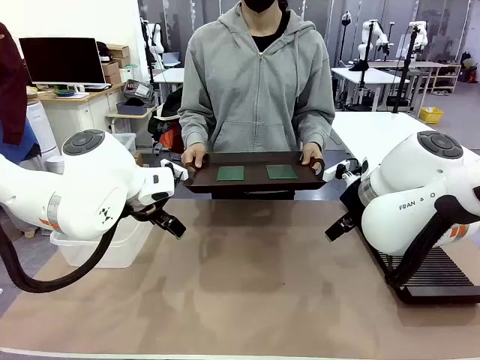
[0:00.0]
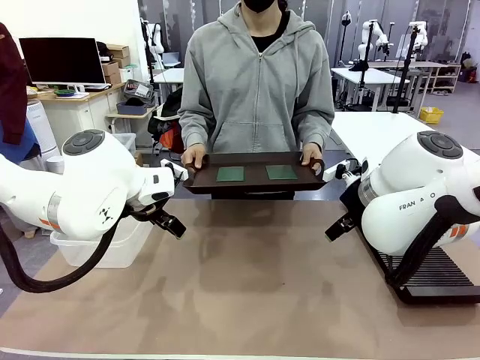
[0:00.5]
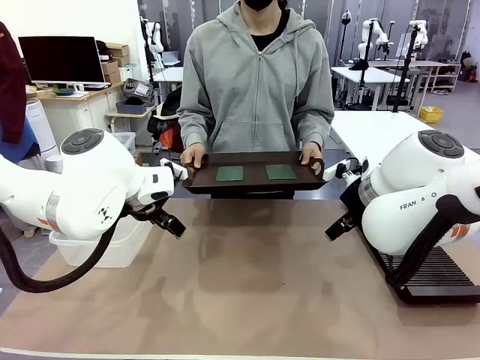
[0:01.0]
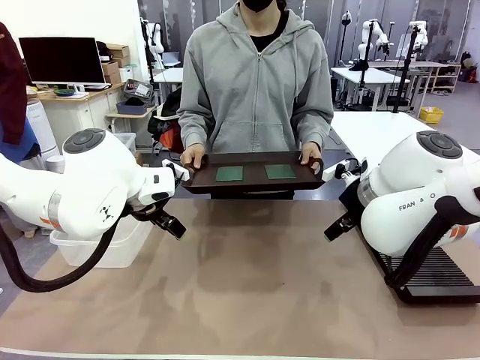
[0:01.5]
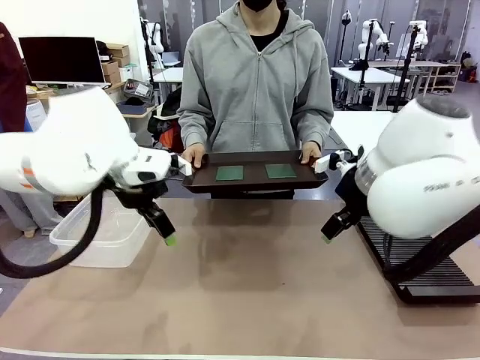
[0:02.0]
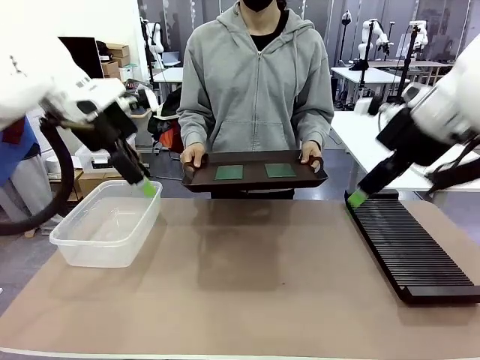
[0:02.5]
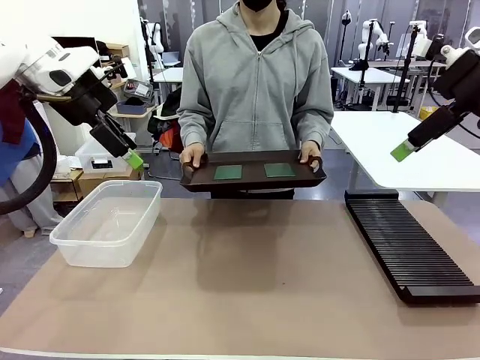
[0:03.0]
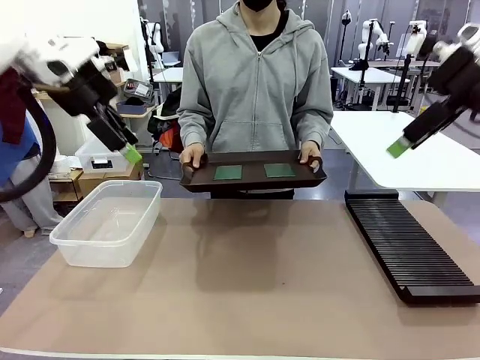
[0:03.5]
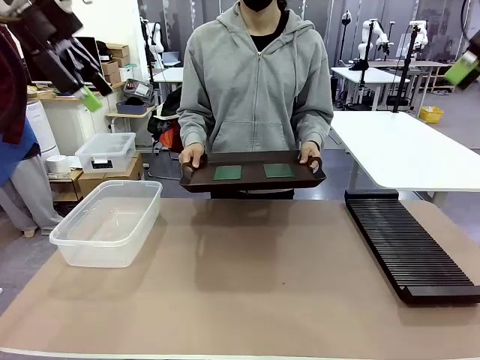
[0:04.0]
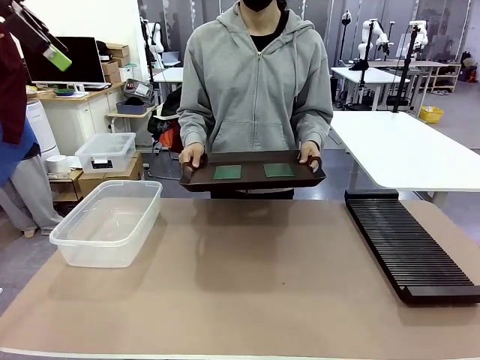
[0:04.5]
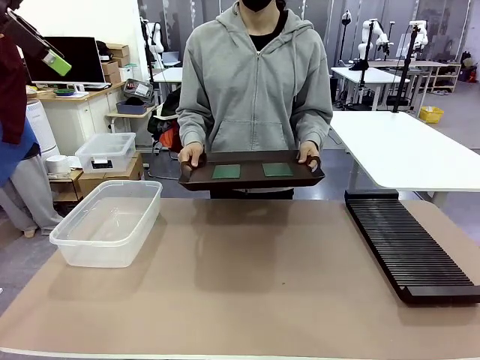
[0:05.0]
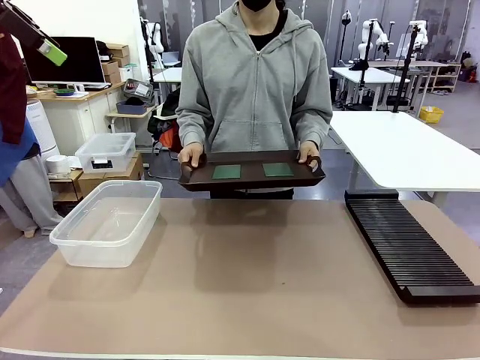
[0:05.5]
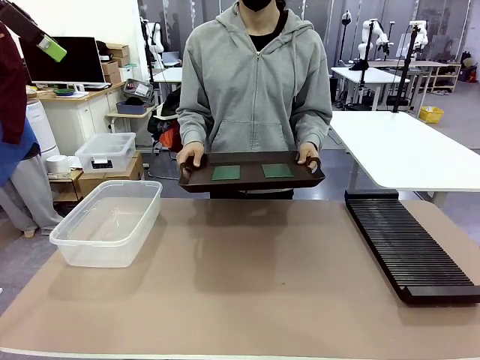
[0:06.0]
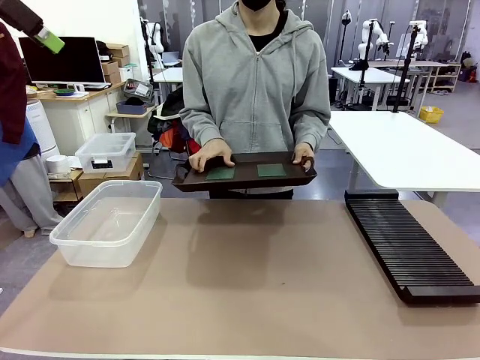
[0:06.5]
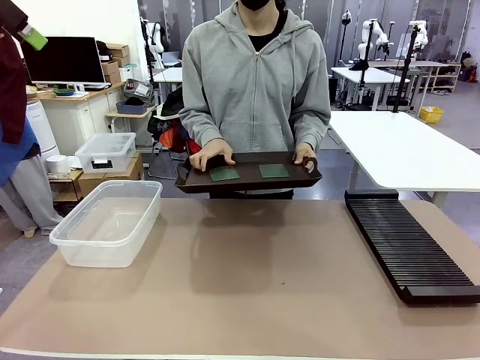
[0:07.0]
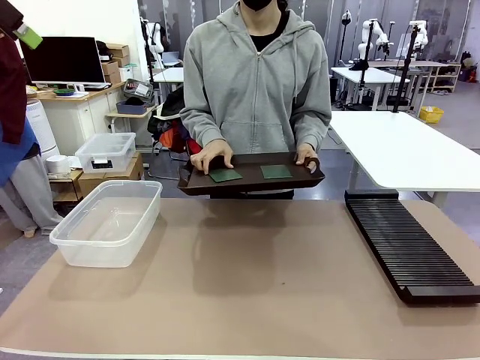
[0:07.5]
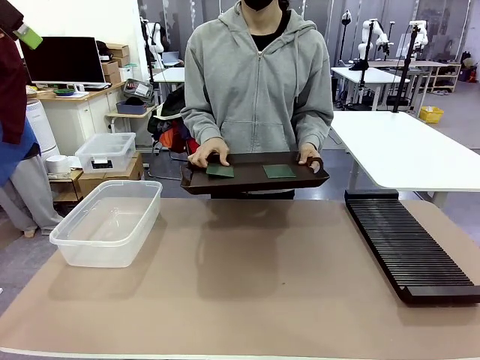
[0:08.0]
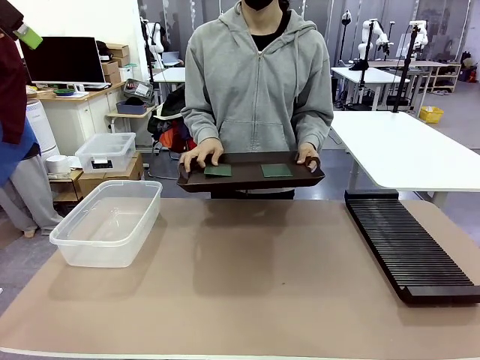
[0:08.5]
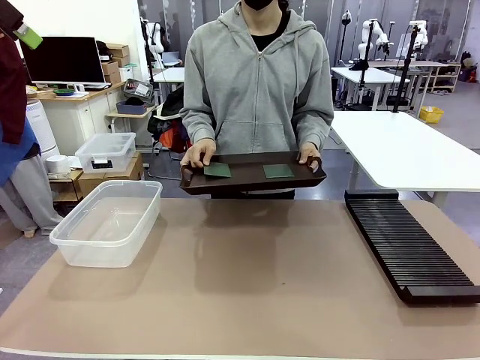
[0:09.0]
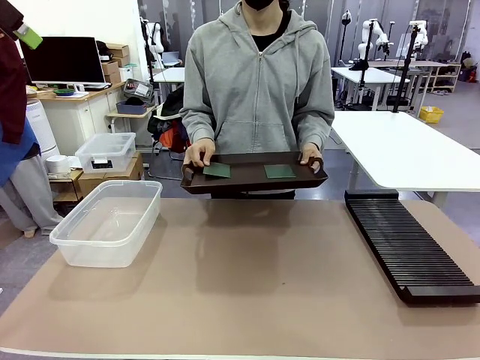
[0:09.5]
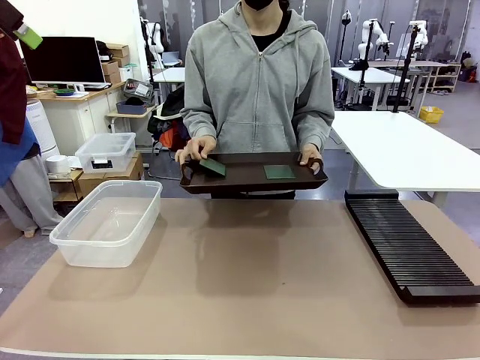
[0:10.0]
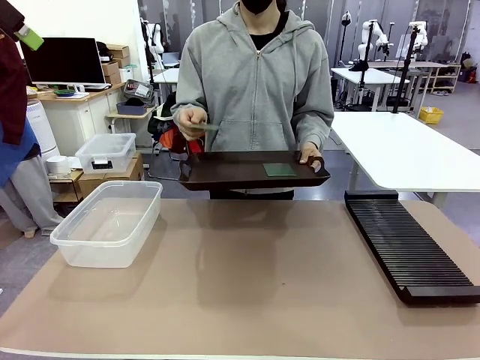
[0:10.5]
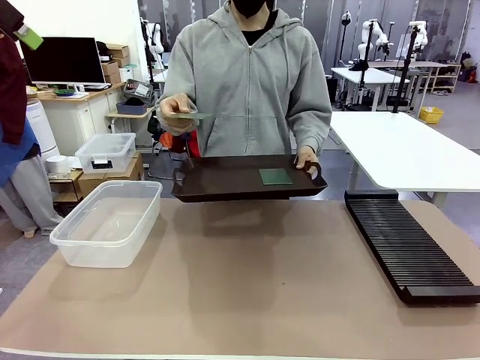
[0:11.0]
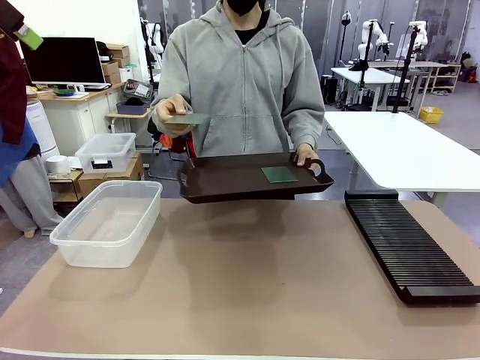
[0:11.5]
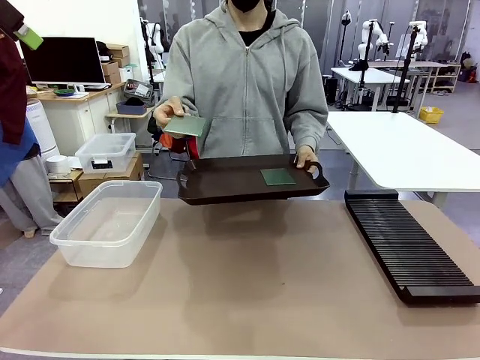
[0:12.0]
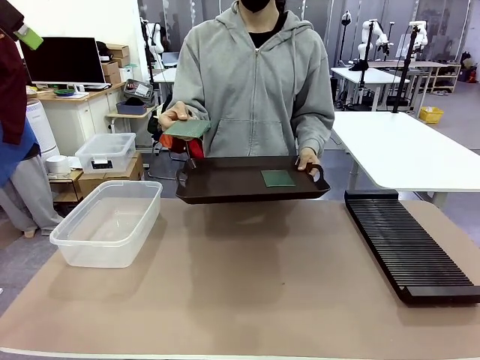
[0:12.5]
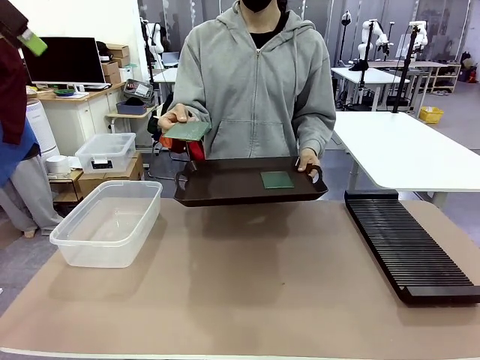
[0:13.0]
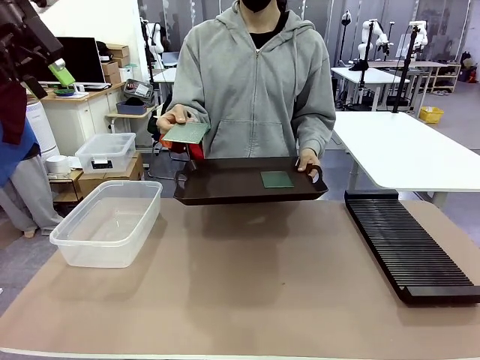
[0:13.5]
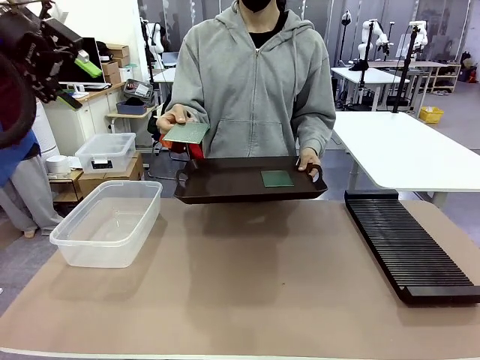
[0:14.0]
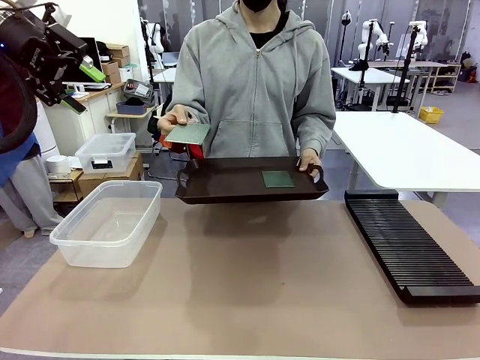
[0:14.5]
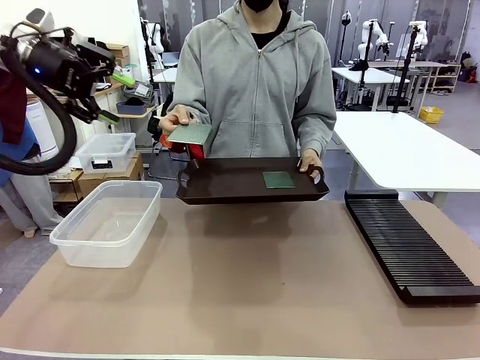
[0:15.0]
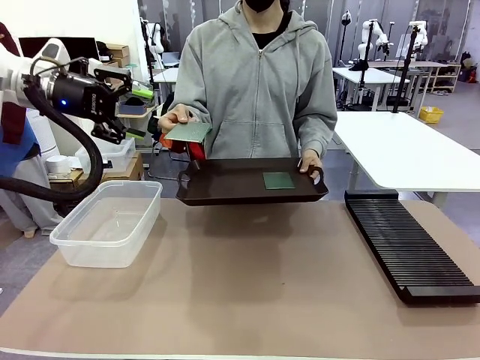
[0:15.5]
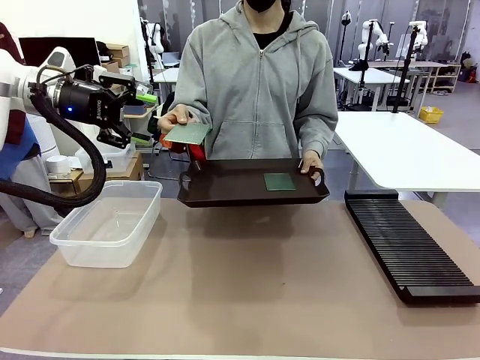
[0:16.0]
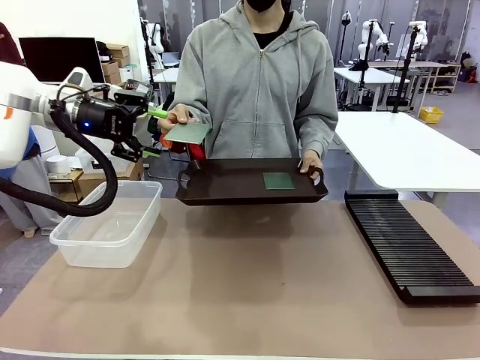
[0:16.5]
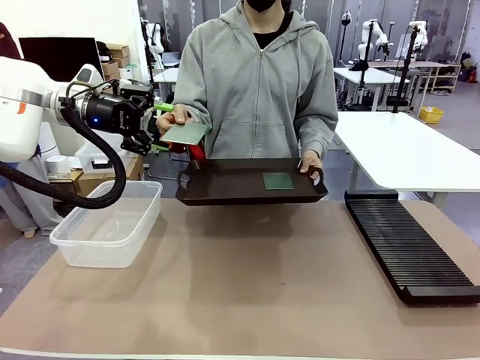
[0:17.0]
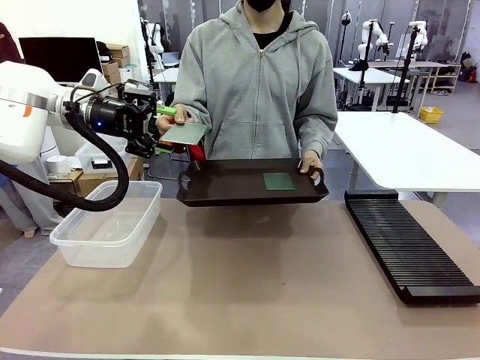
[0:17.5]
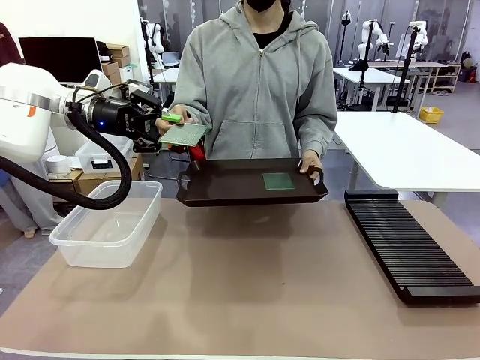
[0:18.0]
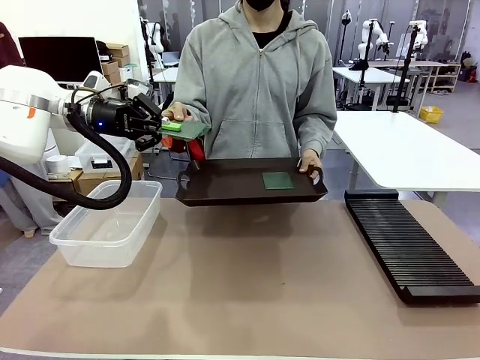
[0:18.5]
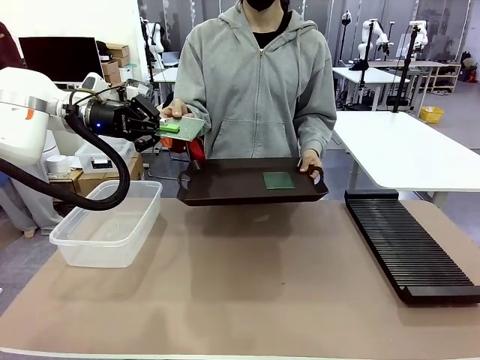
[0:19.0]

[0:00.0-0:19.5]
Task: Sort PCBs into racks and boxes based on the side picked up.
Robot: Pick up the Blank PCB handed by the Human.
Person: Pick one PCB from the tray and present it to the robot. Release the PCB being held.

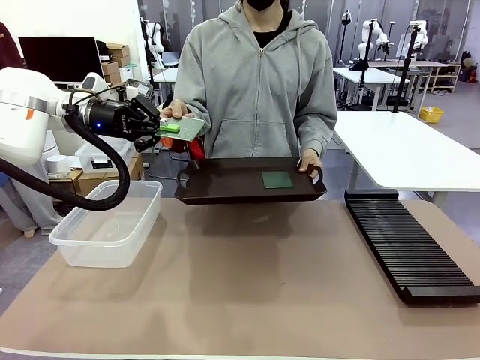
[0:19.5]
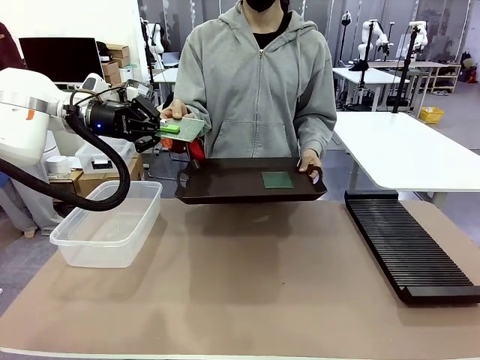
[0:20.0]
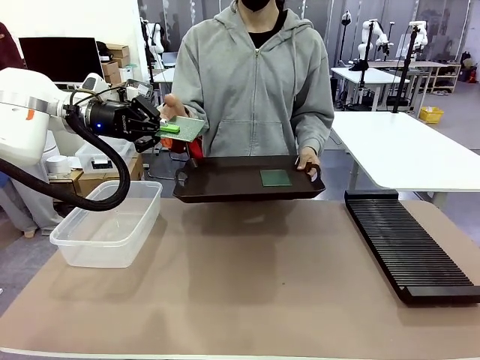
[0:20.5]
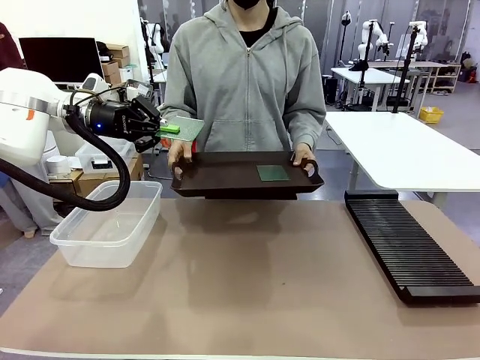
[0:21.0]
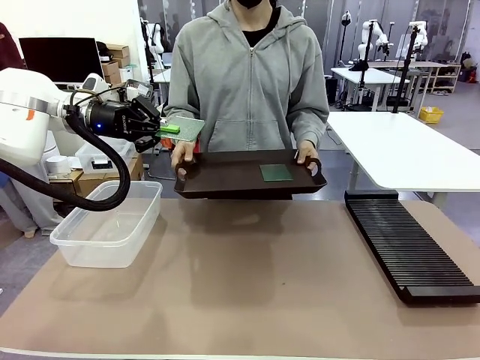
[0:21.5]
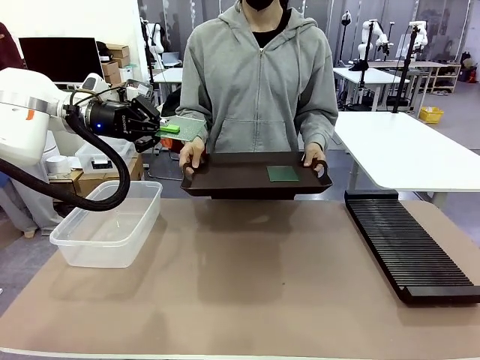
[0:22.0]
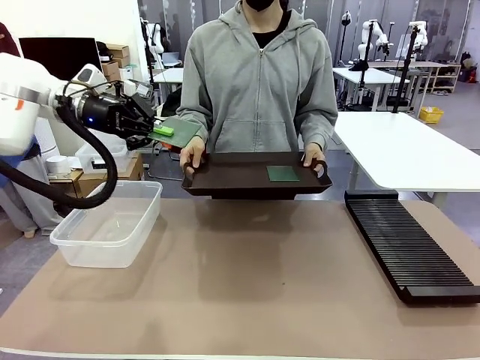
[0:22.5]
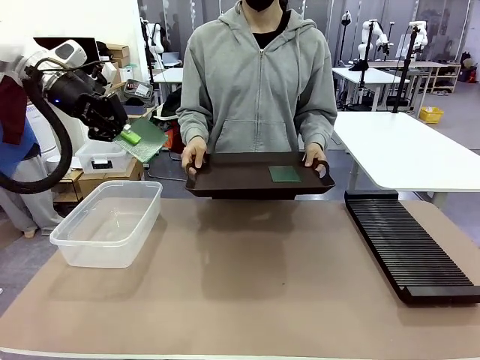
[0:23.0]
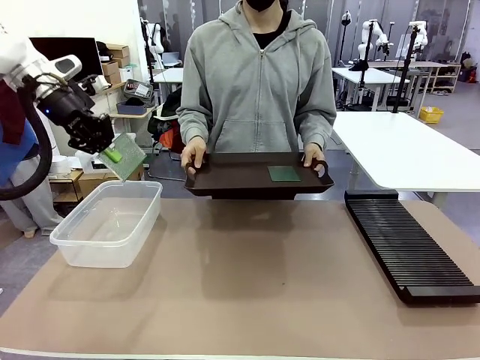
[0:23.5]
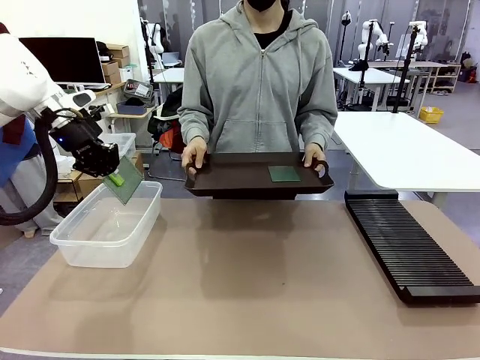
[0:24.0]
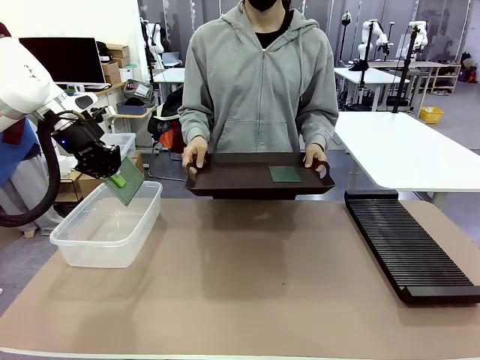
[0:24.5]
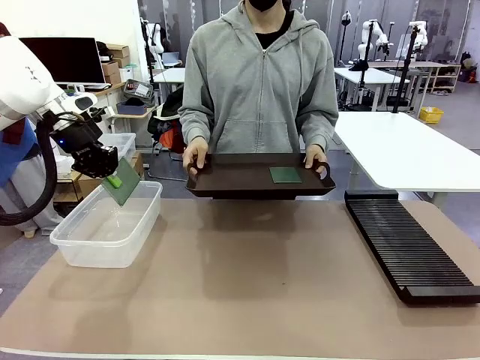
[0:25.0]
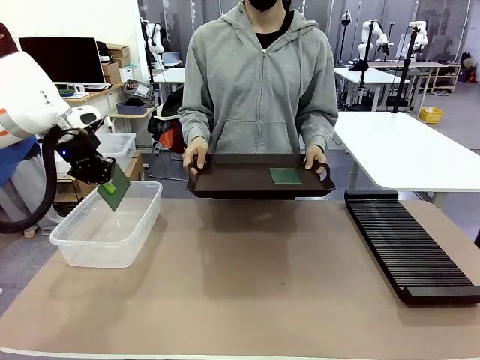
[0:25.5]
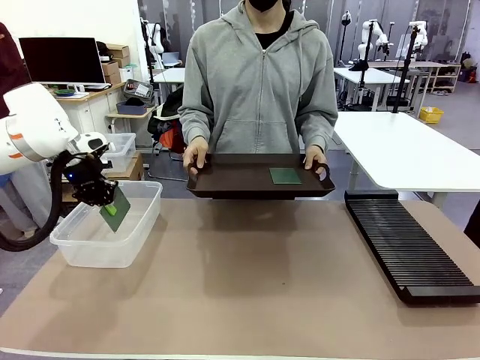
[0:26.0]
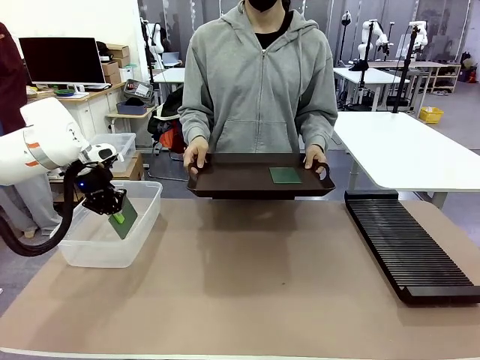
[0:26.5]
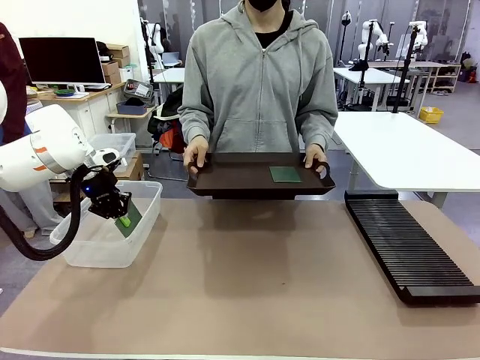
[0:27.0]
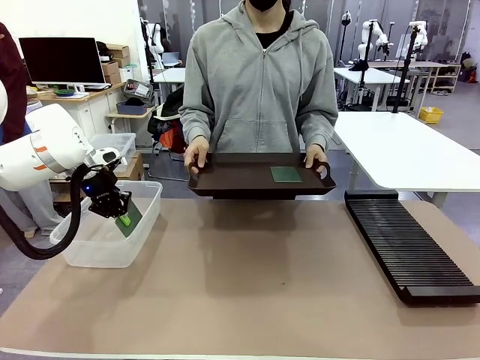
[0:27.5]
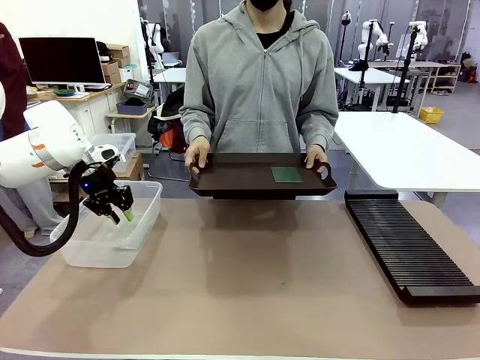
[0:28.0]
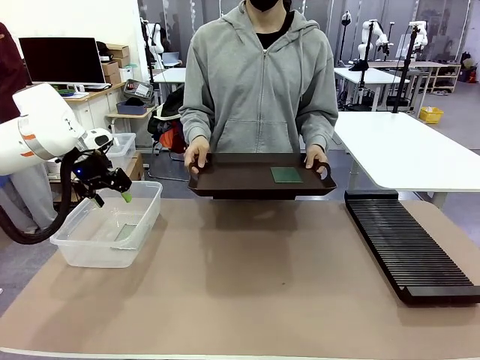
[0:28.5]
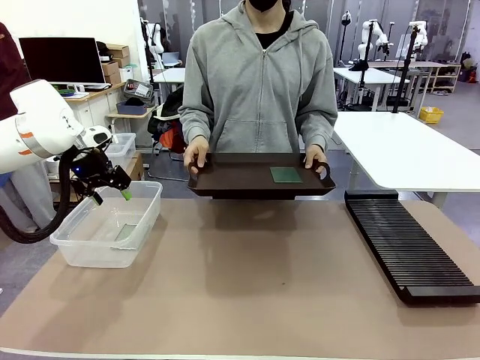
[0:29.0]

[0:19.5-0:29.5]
Robot: If the short side of the Blank PCB is picked up, insert it into the PCB Rack ; if the long side is picked up, place it in the Organizing box.
Person: Pick one PCB from the tray and present it to the robot.
